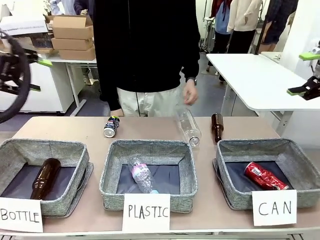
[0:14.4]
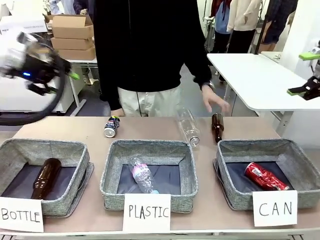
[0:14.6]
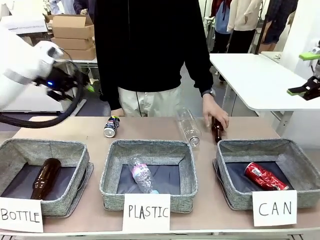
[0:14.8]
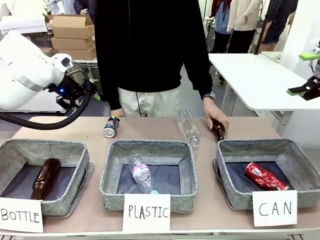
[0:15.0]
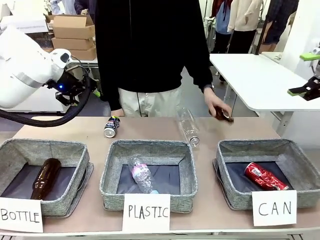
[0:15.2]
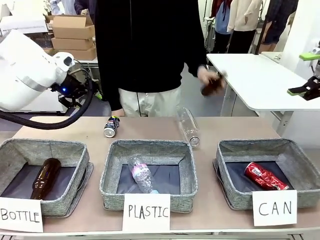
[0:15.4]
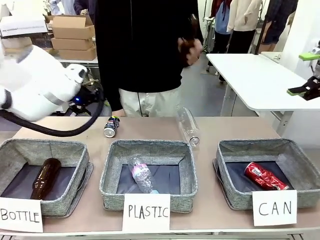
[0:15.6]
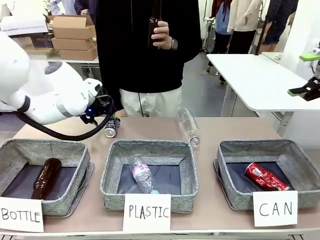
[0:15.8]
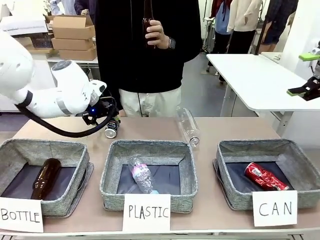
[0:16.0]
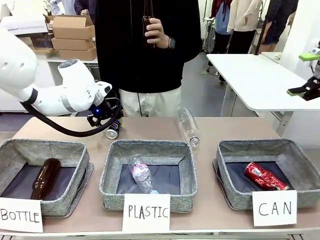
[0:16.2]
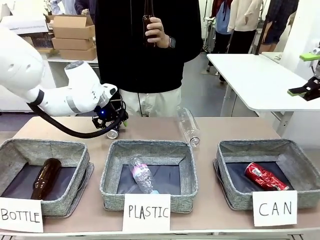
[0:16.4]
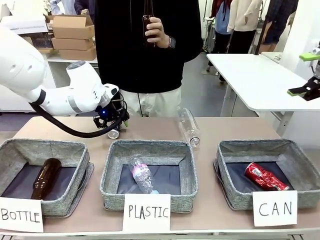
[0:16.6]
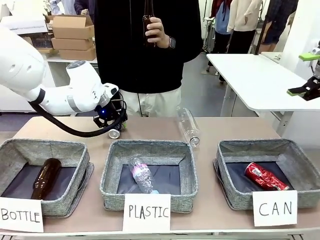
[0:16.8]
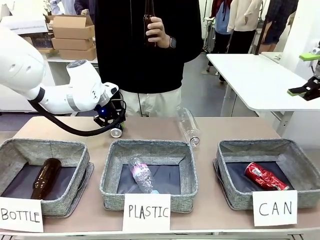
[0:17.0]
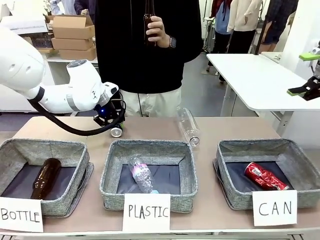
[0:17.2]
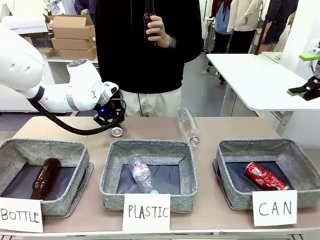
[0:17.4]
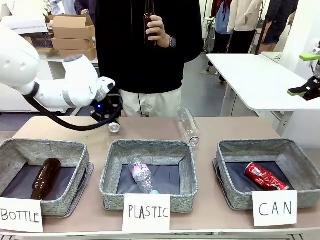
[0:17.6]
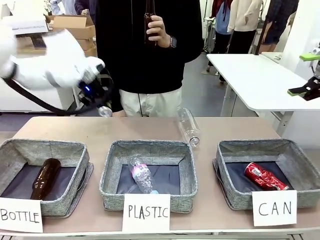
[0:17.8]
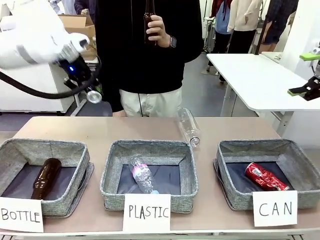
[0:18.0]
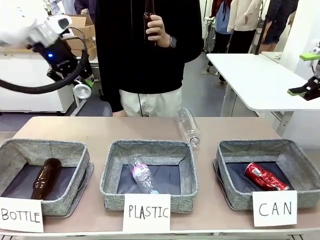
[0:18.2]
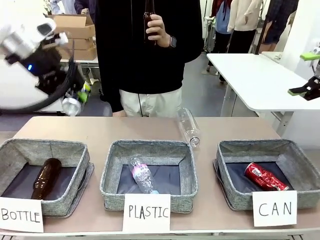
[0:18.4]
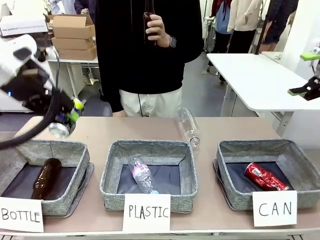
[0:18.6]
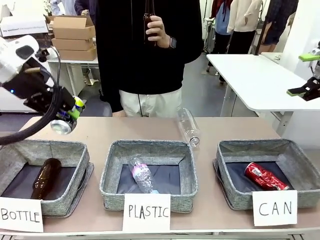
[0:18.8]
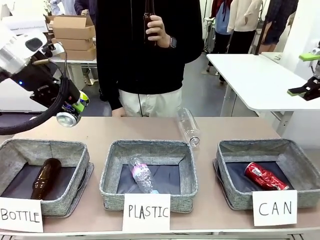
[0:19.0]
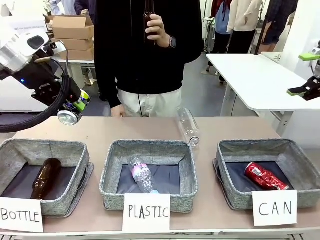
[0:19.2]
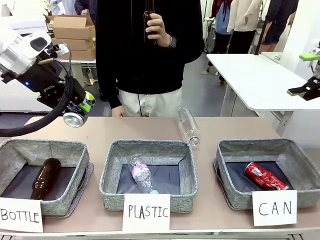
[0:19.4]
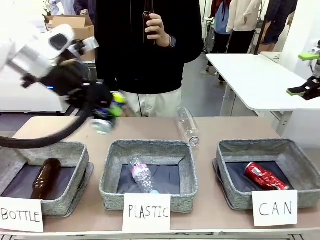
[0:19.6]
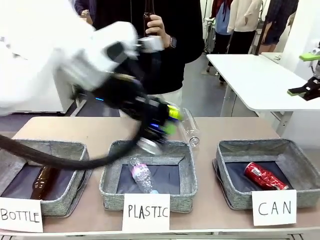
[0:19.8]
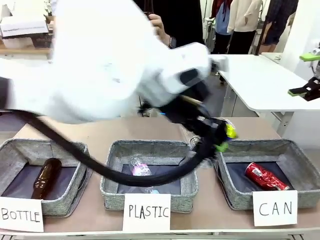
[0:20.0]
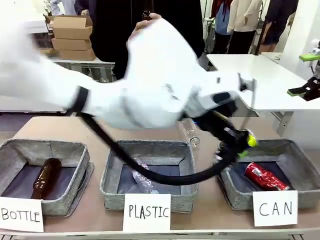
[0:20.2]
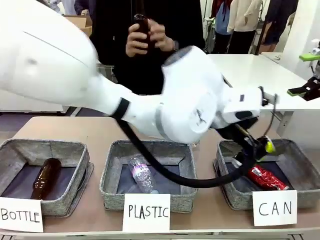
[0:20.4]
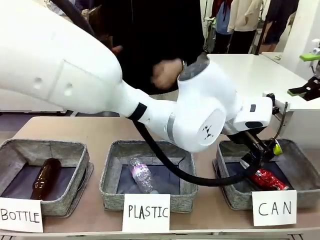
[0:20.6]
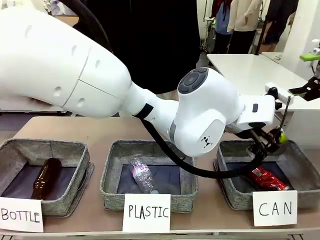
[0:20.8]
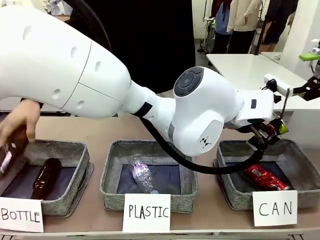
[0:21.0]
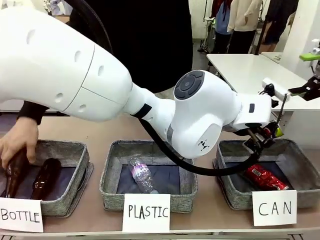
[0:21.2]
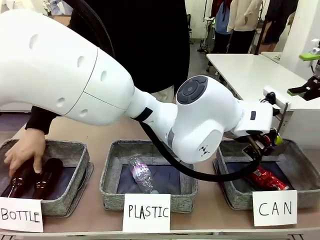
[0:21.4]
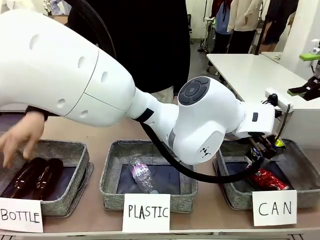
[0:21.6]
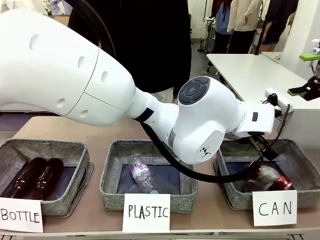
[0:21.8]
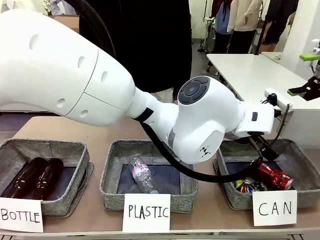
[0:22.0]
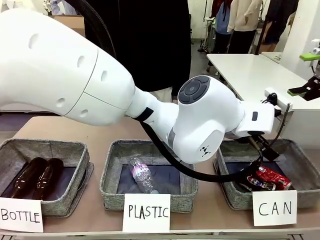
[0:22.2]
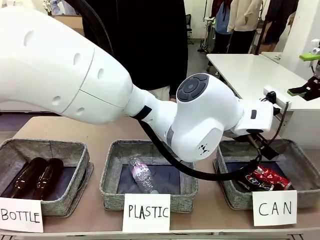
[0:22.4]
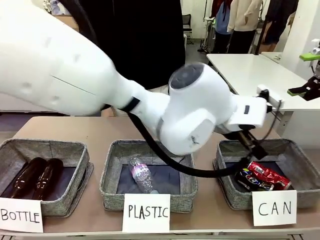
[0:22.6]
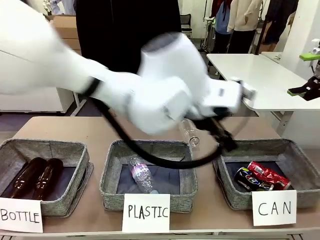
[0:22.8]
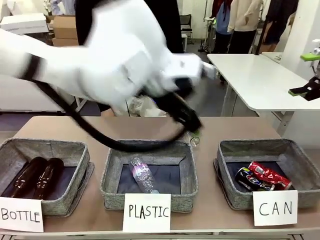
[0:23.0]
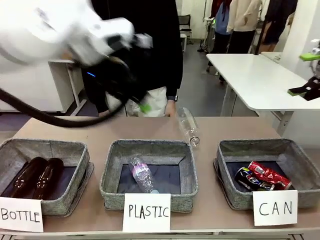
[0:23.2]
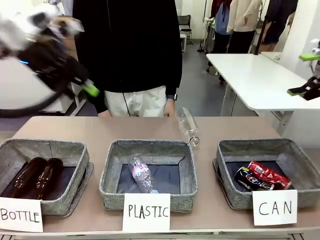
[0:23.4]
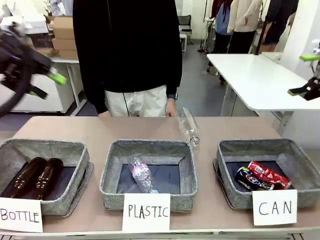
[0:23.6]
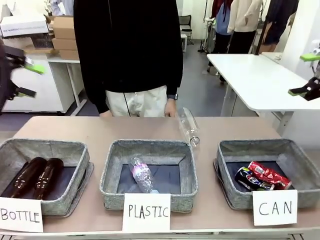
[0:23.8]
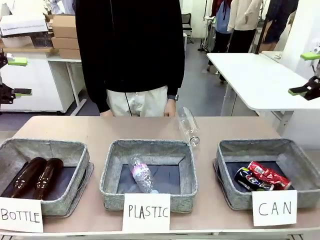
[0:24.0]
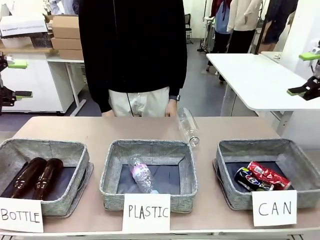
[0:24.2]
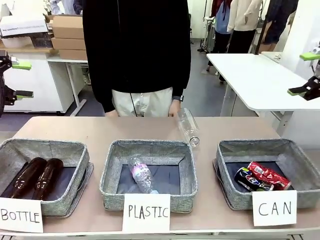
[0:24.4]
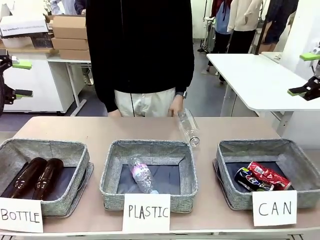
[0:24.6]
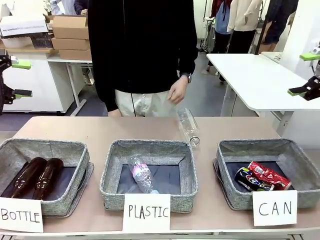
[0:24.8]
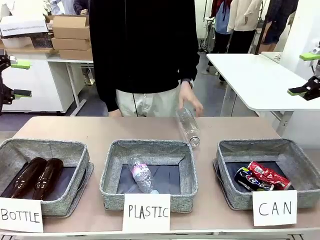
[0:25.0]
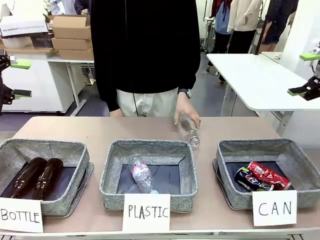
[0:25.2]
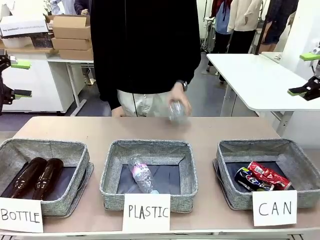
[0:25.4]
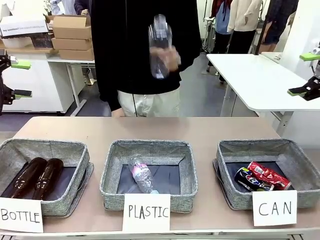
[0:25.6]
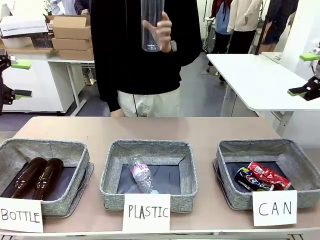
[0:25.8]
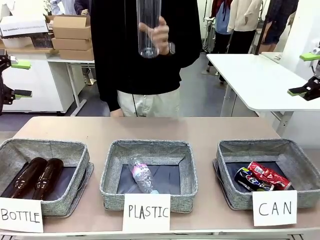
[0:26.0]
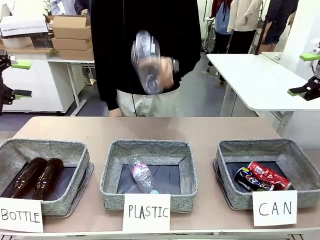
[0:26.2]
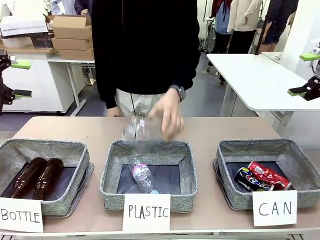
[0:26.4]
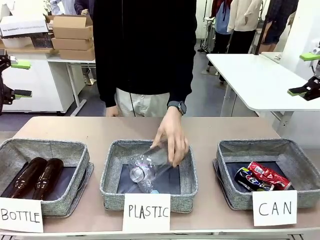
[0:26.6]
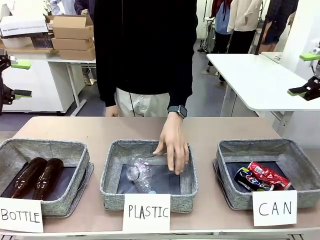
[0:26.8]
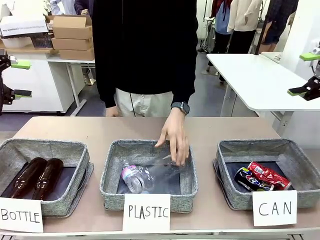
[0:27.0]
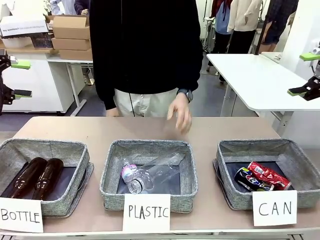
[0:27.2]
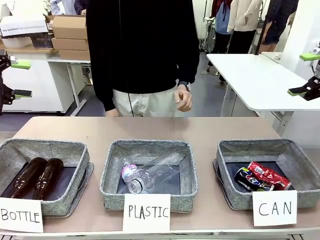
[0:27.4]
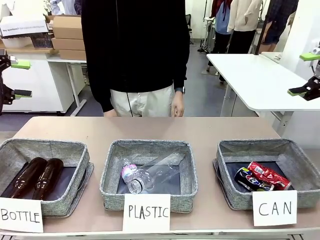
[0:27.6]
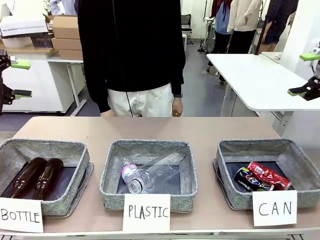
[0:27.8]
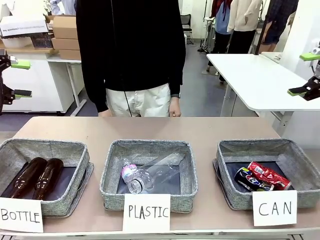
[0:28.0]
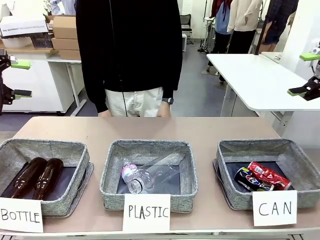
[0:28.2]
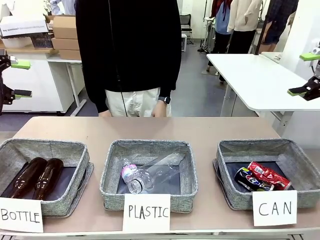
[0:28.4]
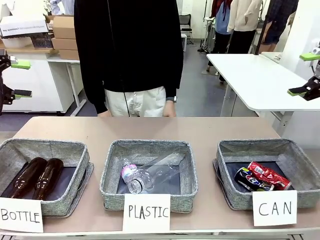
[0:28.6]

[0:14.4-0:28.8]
Task: Sort the can waste into the basket.
Robot: Pick up the can waste from the table and place it in the right Fabric basket.
